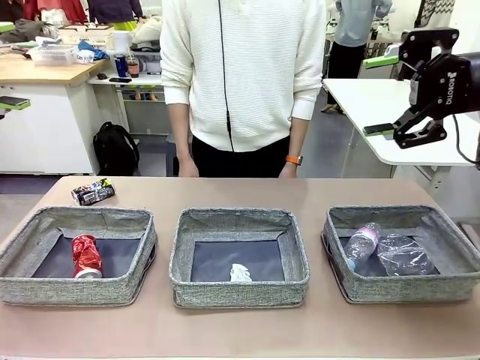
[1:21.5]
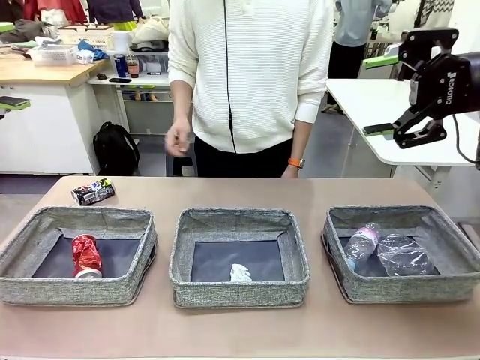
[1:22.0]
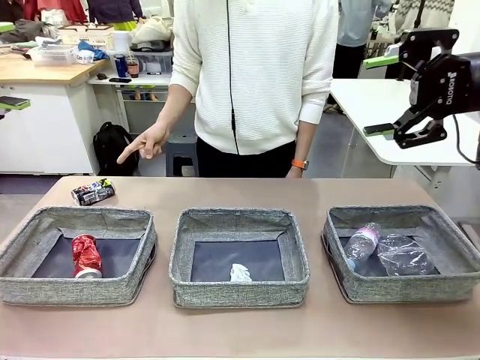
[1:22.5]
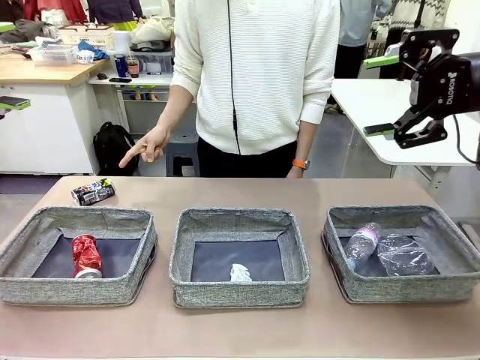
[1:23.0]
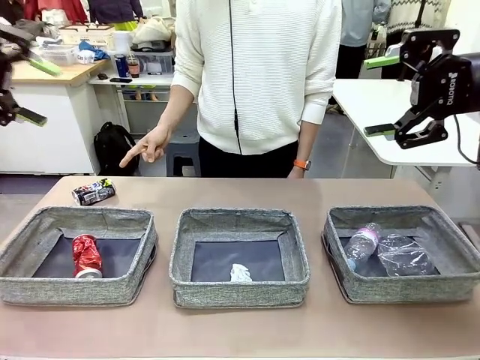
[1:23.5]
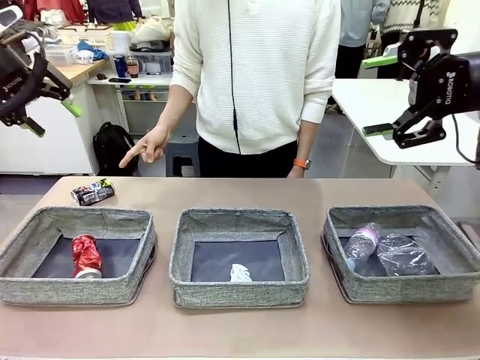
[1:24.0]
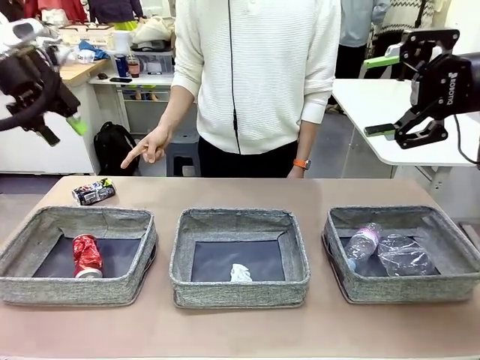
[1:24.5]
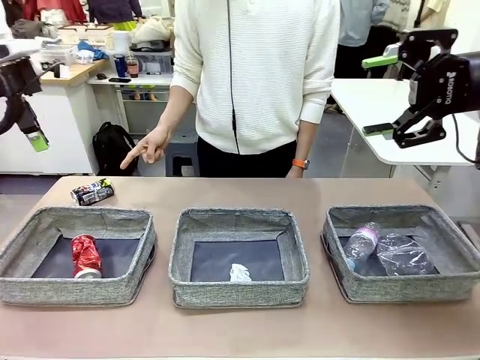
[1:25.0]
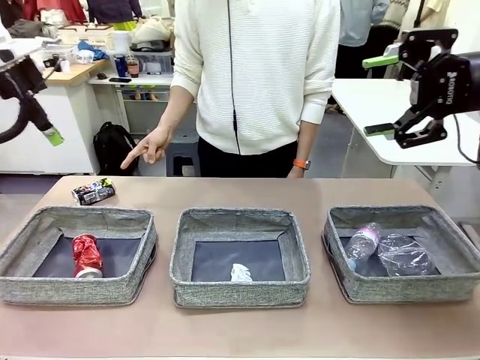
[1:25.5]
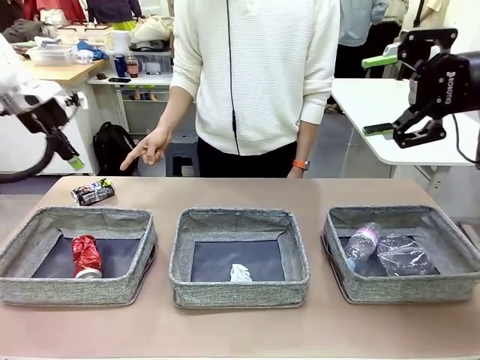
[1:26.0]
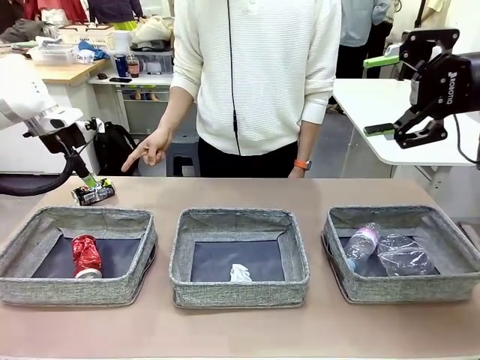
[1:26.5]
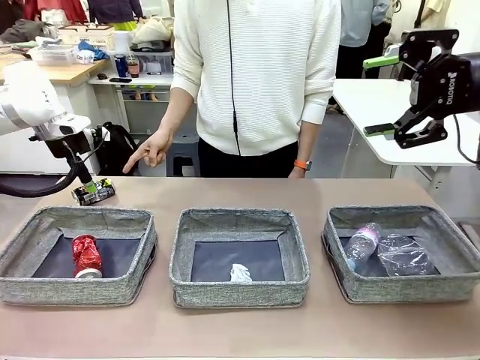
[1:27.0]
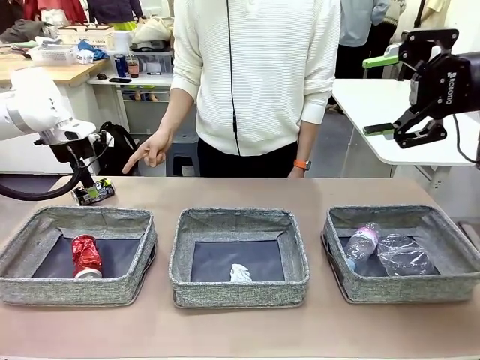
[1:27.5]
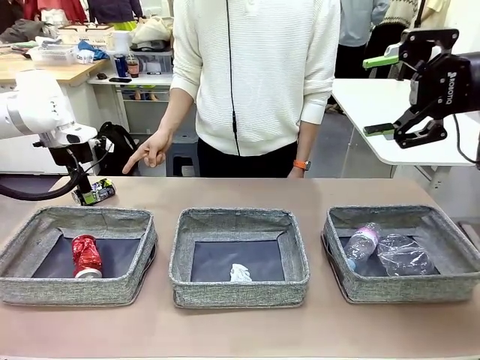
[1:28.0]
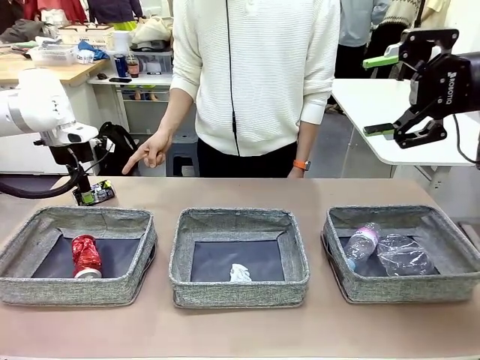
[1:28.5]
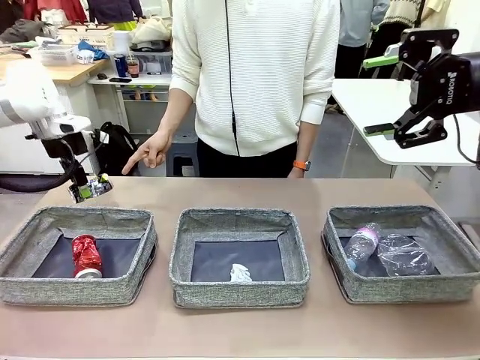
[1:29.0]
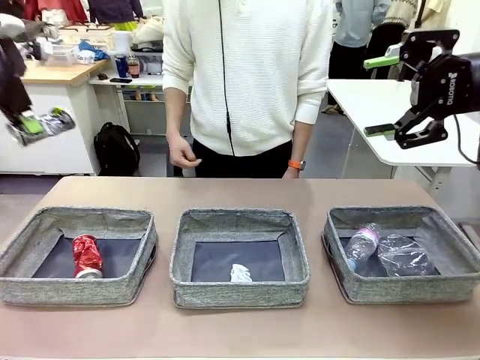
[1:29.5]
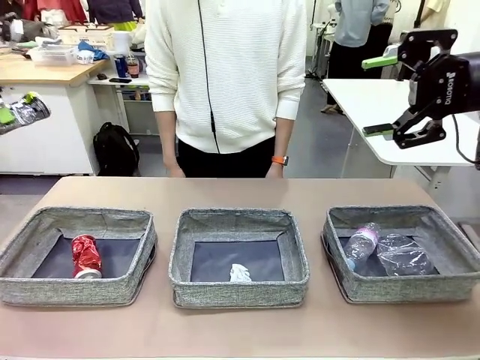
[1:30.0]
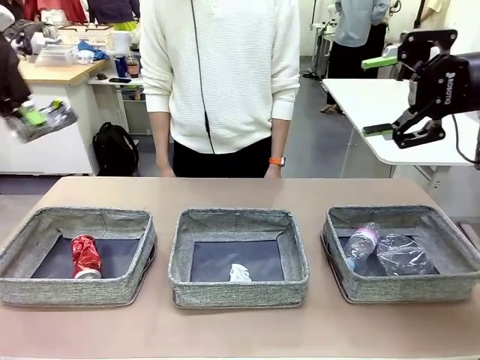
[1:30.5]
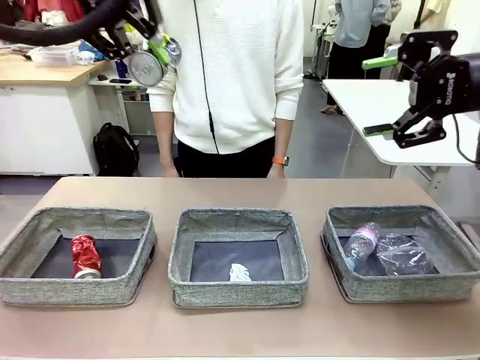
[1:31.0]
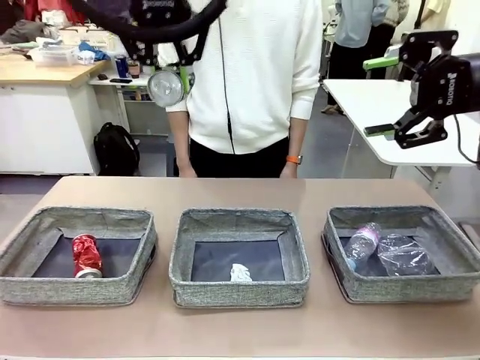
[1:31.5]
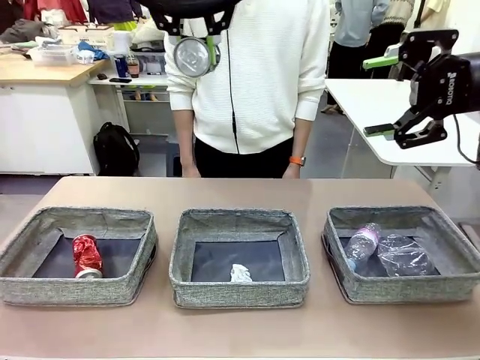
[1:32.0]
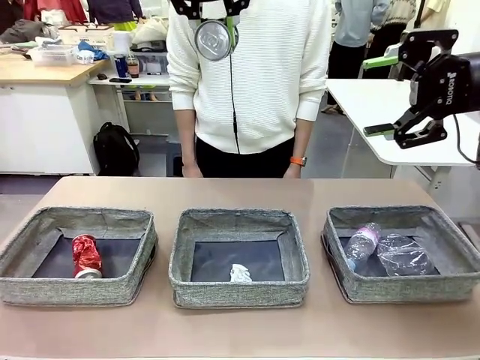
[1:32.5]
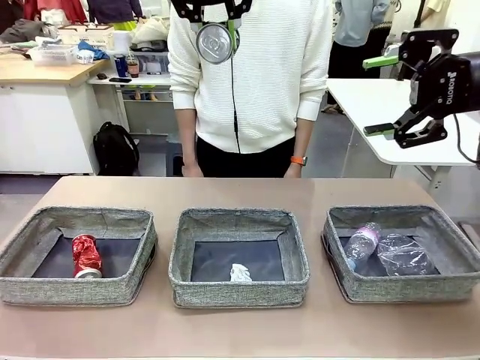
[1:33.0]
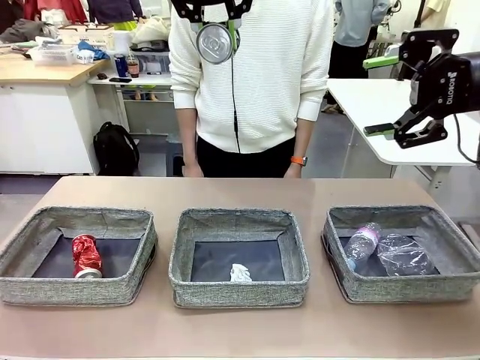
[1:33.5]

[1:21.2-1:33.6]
Task: Sort the waste into the appropriate baskets.
Robot: Pick up the waste item pointed out by the person.
Person: Points to one piece of trash on the table.

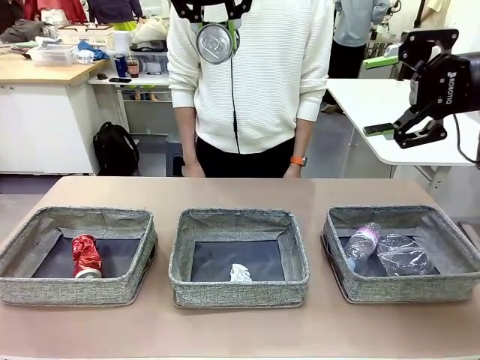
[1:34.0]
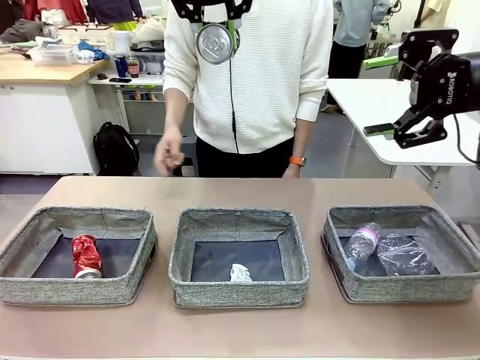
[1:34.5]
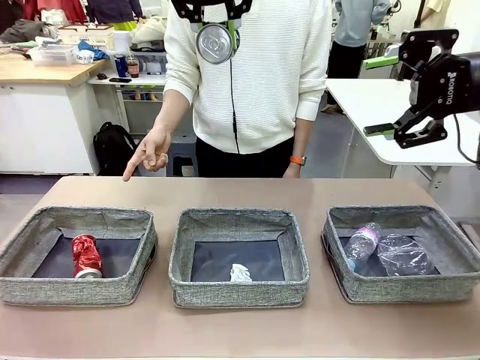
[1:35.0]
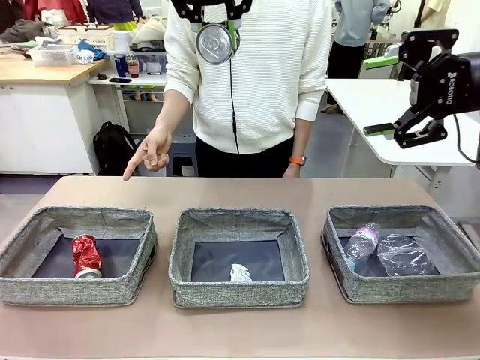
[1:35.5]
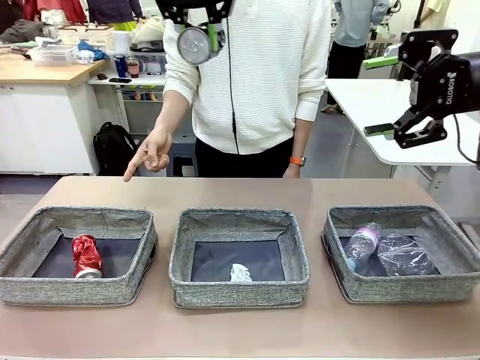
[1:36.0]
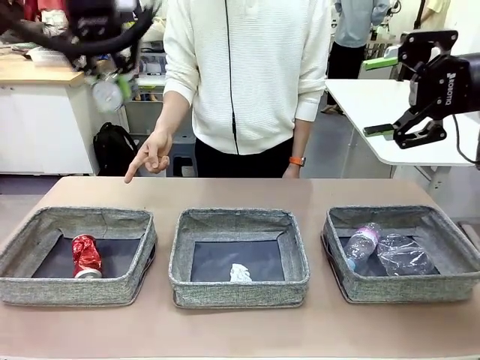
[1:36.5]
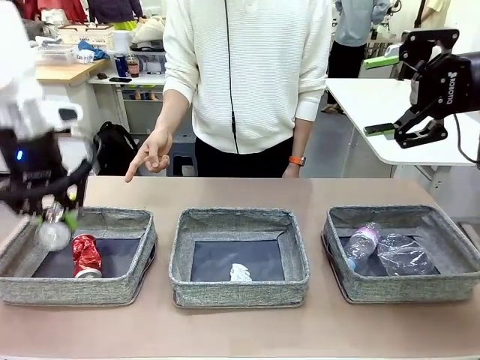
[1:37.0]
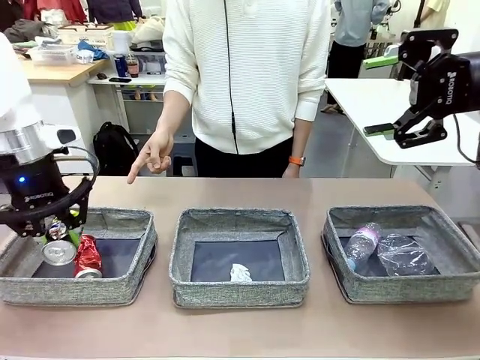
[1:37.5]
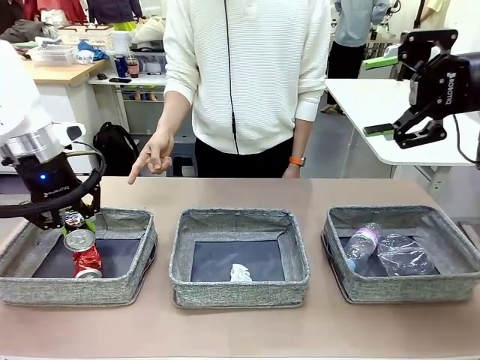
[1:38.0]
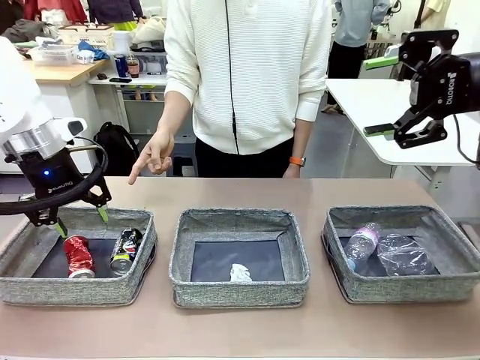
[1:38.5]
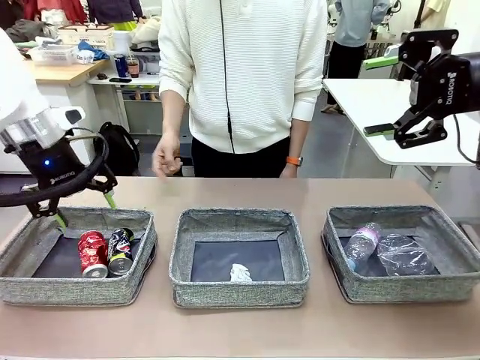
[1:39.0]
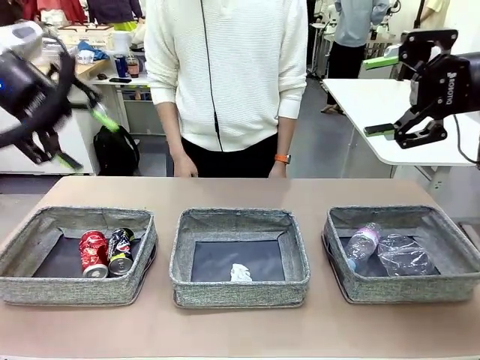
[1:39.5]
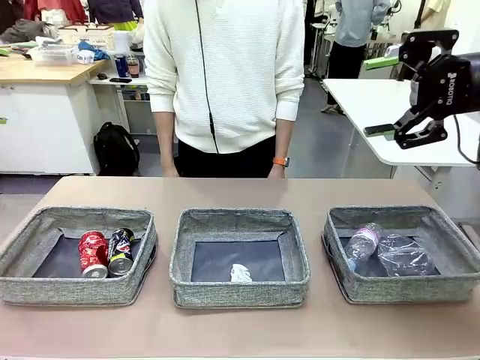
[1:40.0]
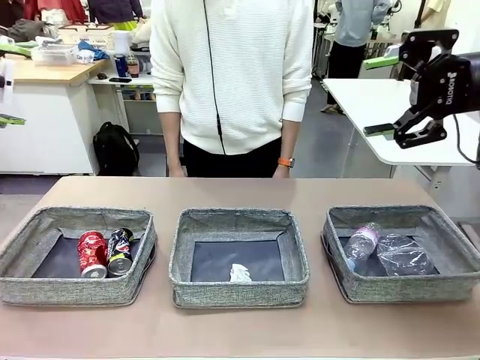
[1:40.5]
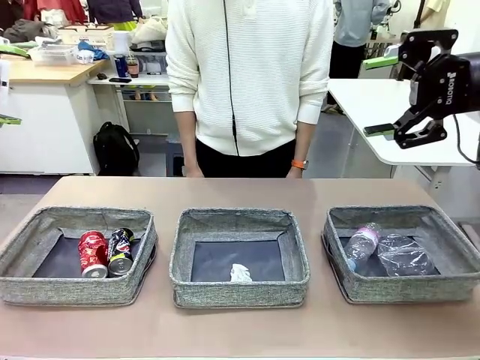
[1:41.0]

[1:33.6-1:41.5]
Robot: Place the picked waste into the Fabric basket indicated by the person.
Person: Instructs the robot to place the picked-up trash into the appropriate organizing basket.

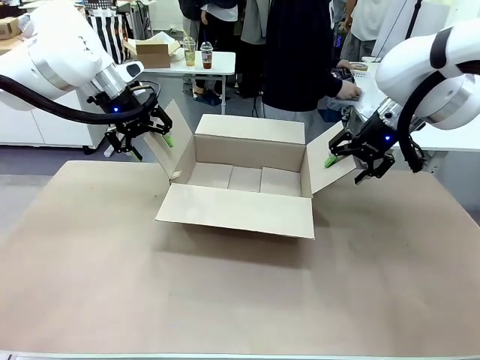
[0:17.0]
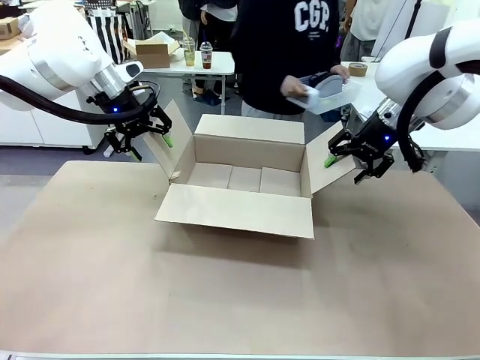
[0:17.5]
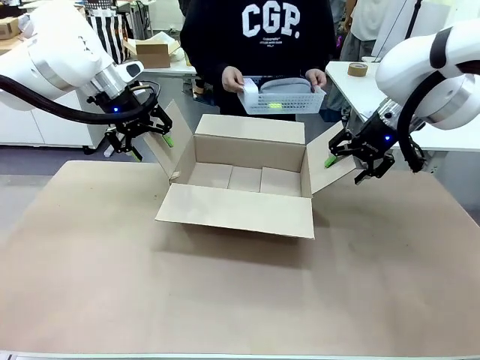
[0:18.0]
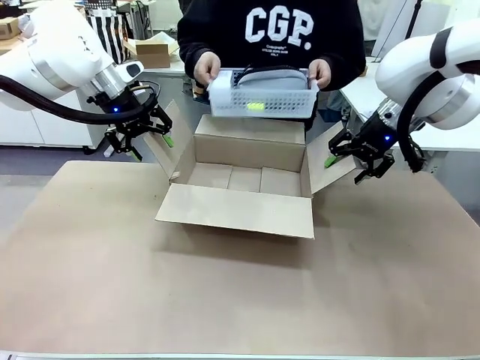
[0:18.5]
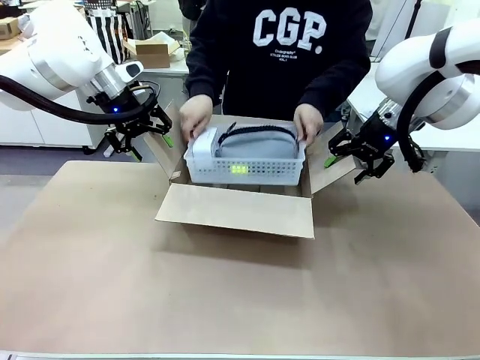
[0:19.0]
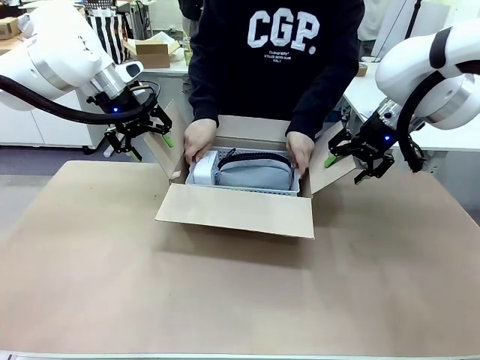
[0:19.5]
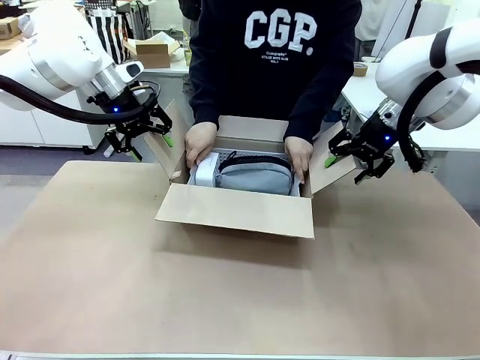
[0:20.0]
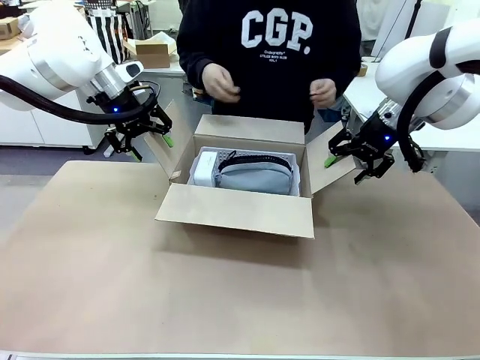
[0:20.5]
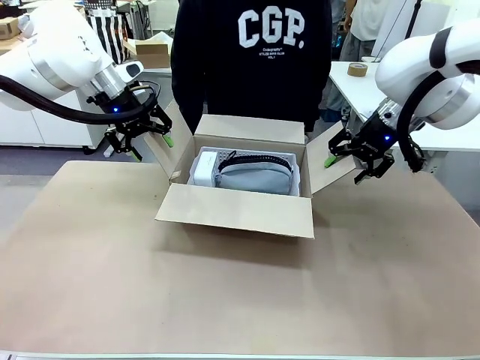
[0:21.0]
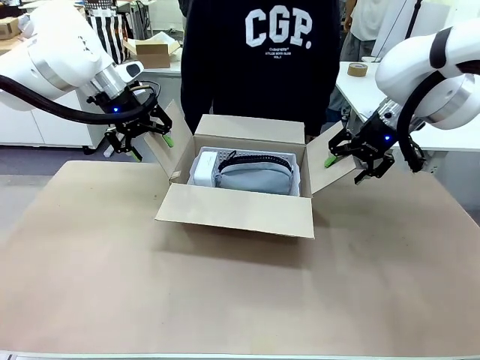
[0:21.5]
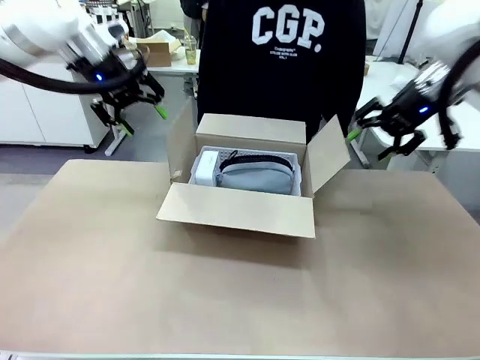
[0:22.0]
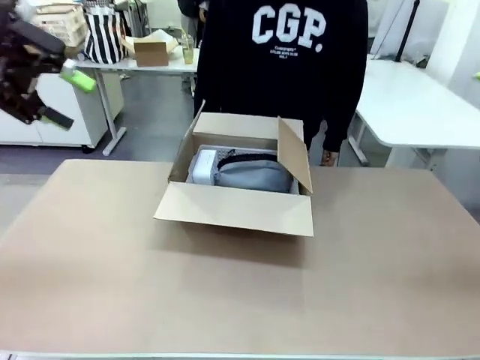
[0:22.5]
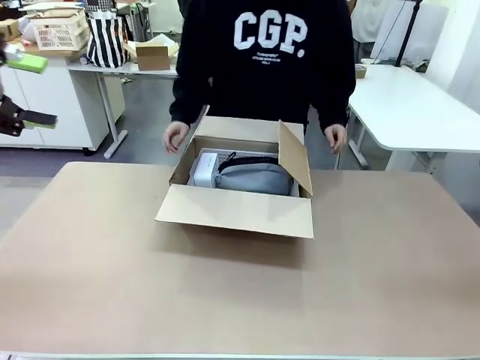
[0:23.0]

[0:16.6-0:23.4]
Task: Pack the gift set into the box.
Robot: Lift both hands away from the flaps of the Package Box.
Person: The human picks up the organizing basket and places the organizing basket into the package box on the robot table.
